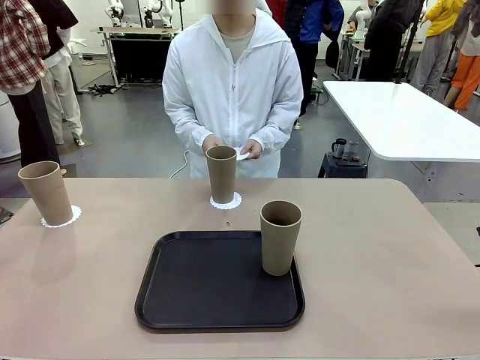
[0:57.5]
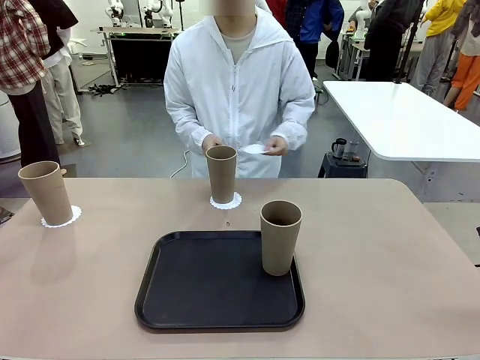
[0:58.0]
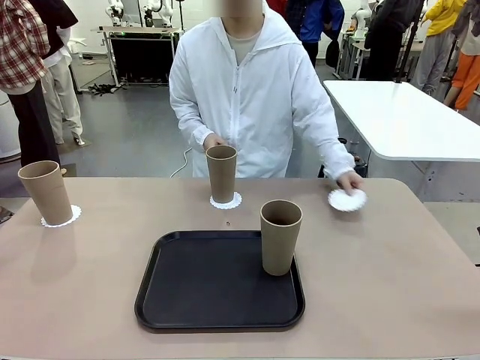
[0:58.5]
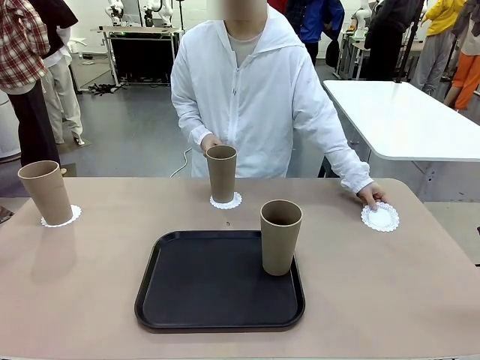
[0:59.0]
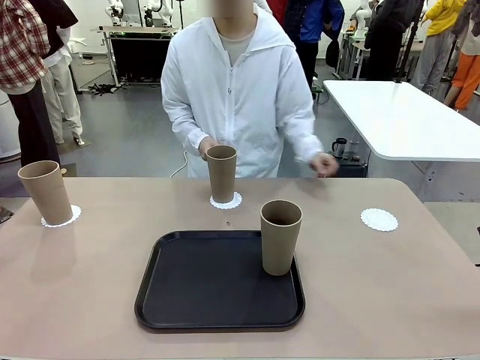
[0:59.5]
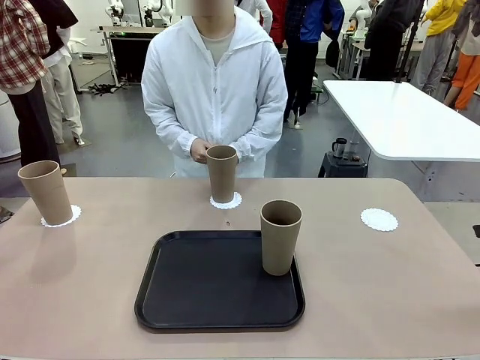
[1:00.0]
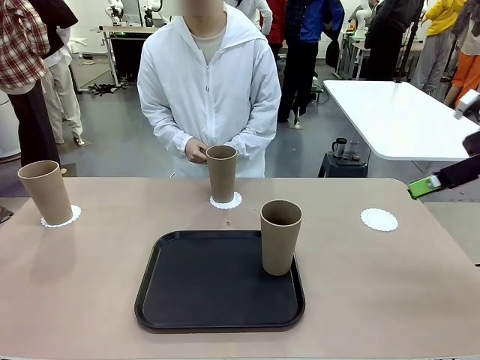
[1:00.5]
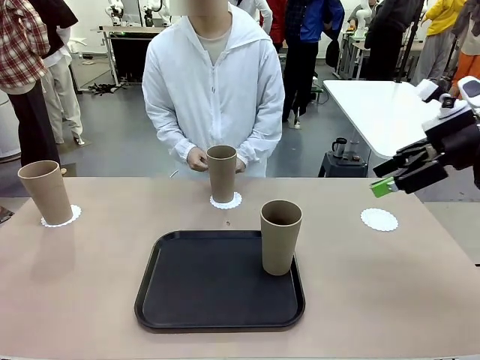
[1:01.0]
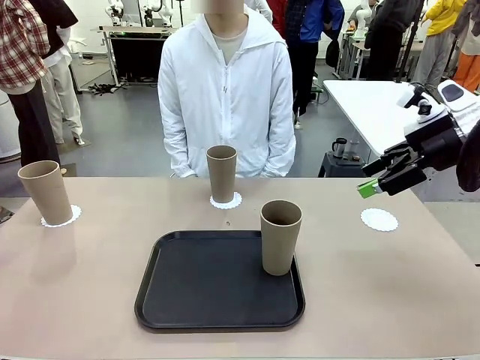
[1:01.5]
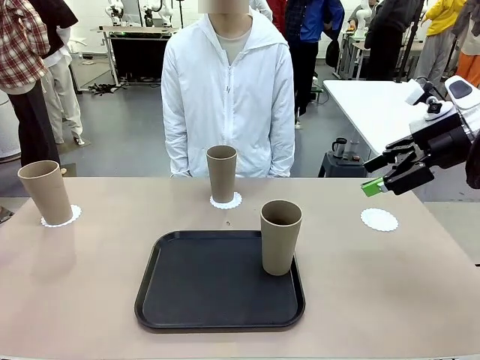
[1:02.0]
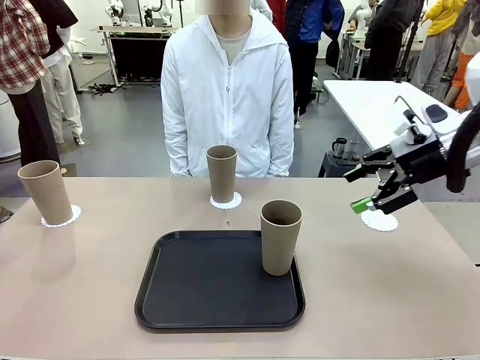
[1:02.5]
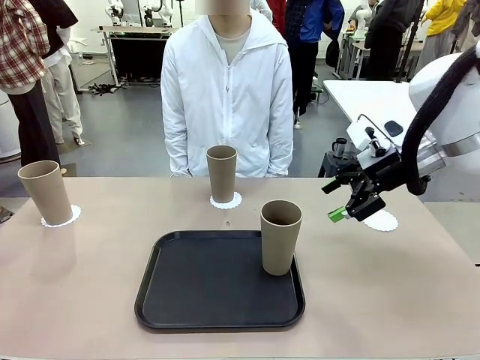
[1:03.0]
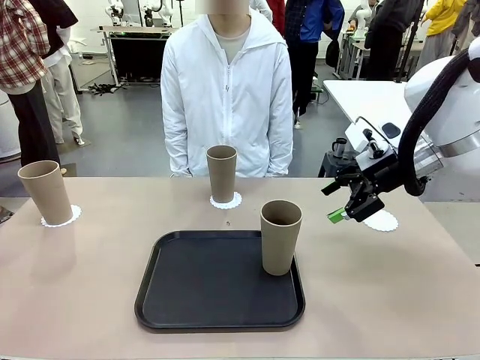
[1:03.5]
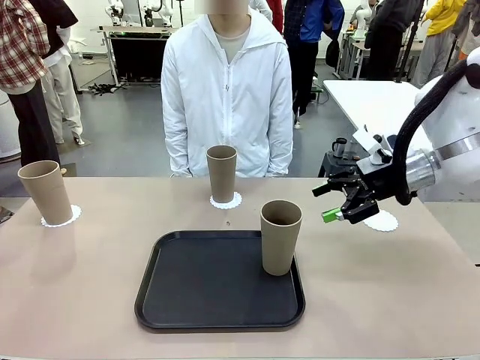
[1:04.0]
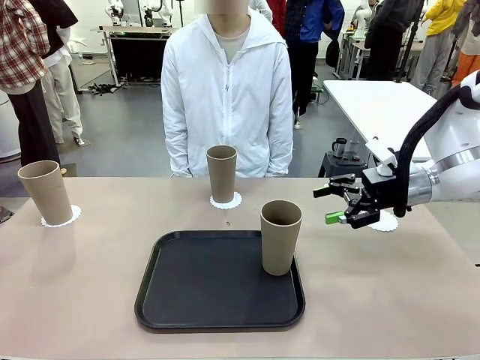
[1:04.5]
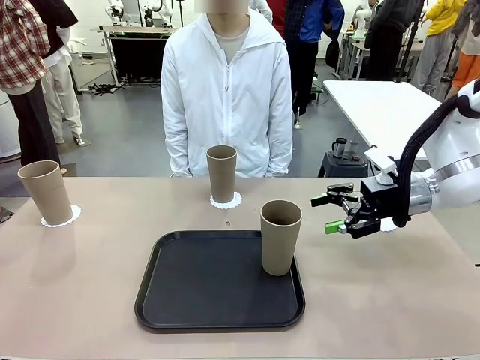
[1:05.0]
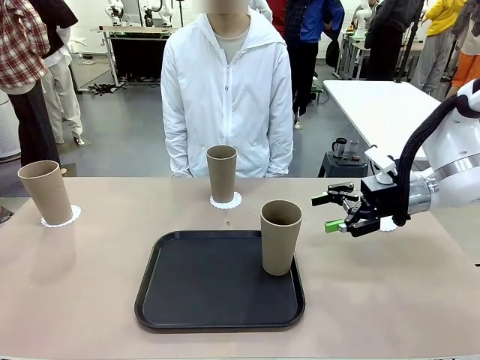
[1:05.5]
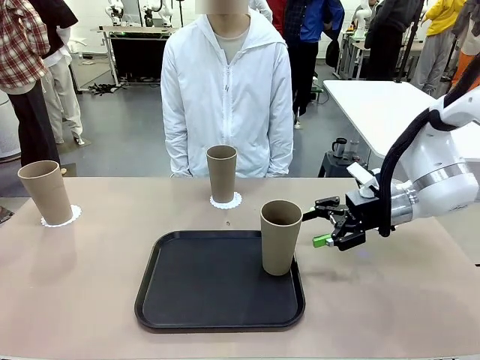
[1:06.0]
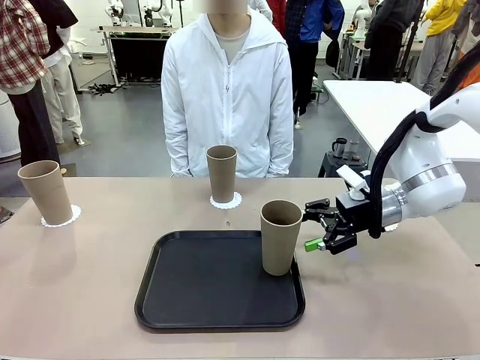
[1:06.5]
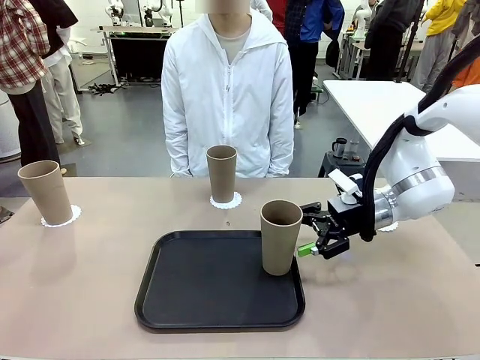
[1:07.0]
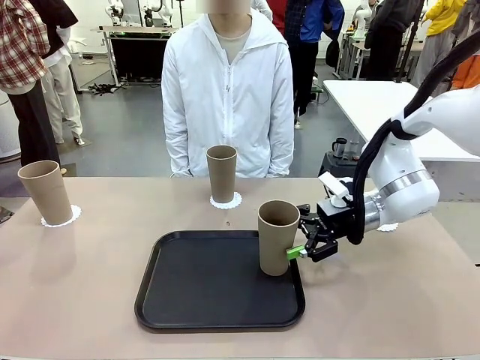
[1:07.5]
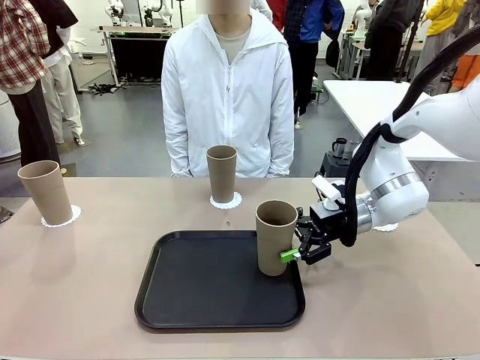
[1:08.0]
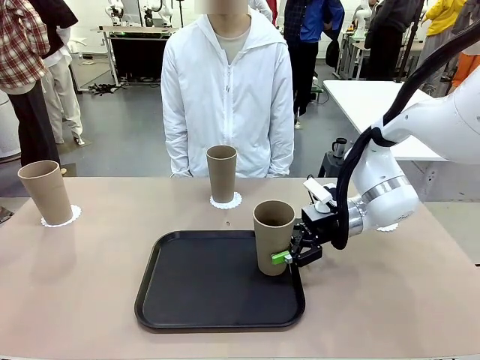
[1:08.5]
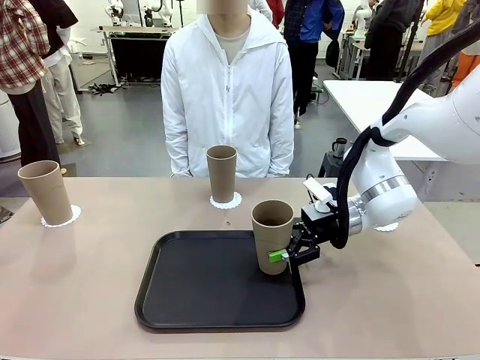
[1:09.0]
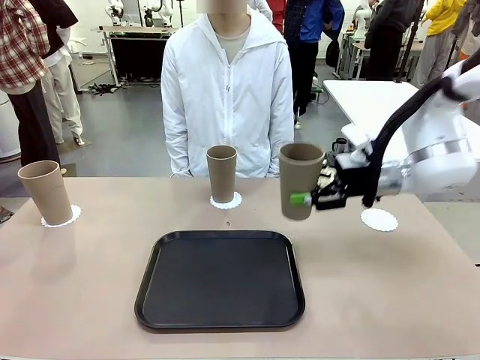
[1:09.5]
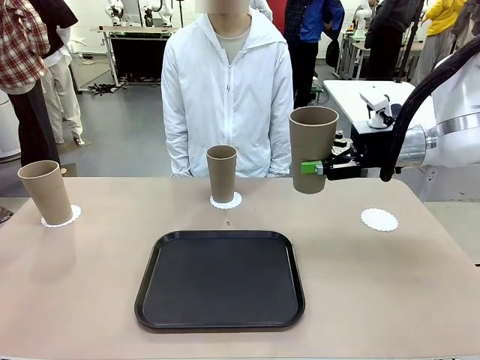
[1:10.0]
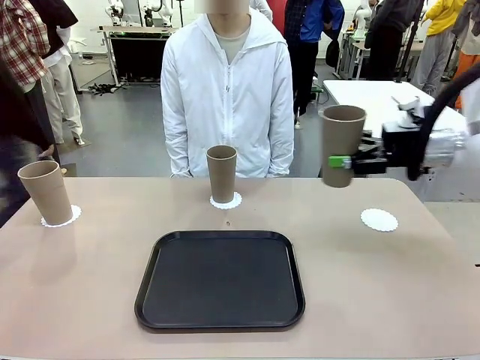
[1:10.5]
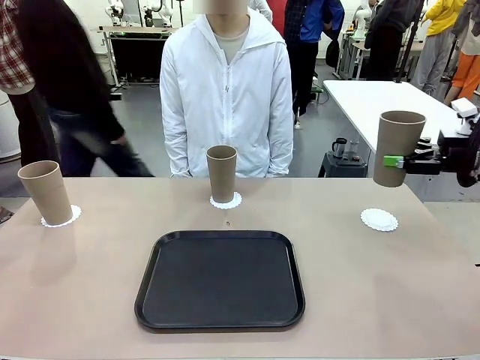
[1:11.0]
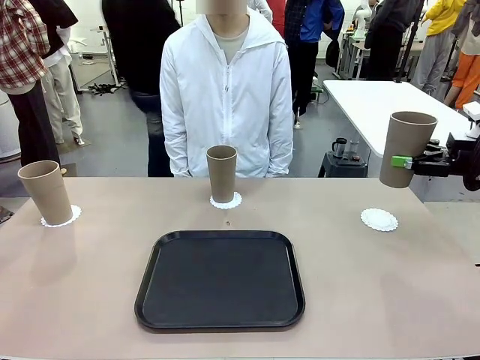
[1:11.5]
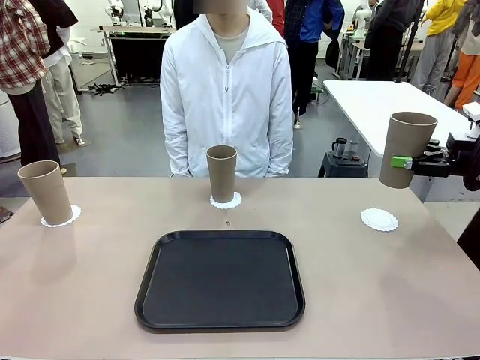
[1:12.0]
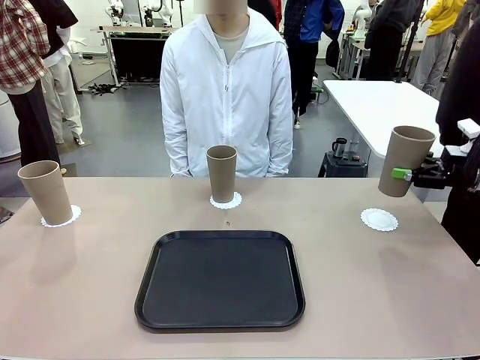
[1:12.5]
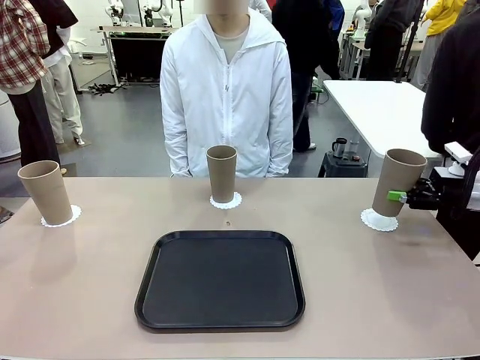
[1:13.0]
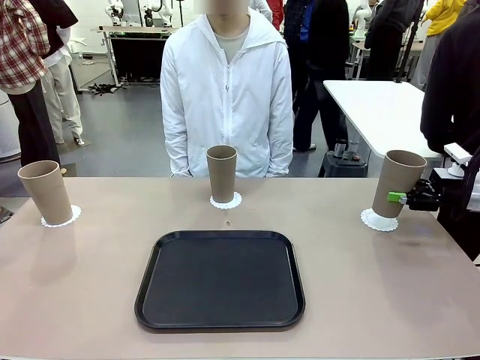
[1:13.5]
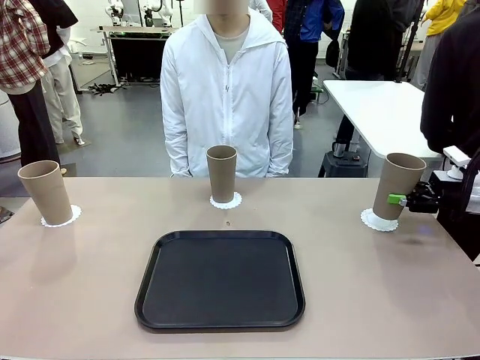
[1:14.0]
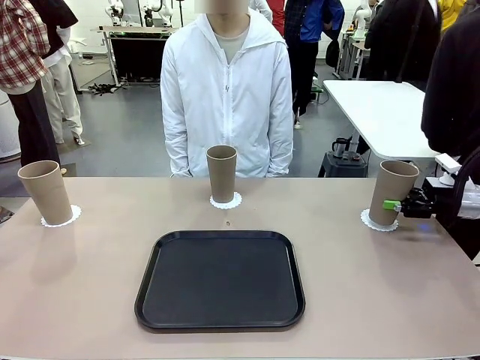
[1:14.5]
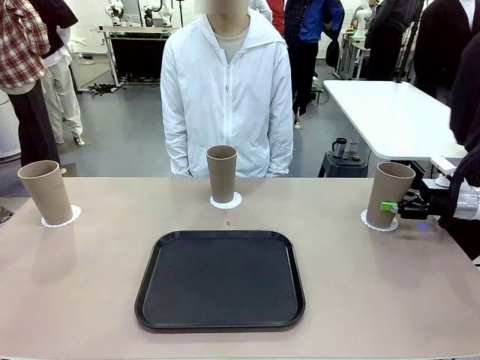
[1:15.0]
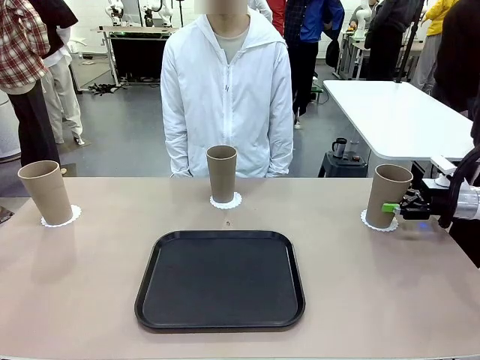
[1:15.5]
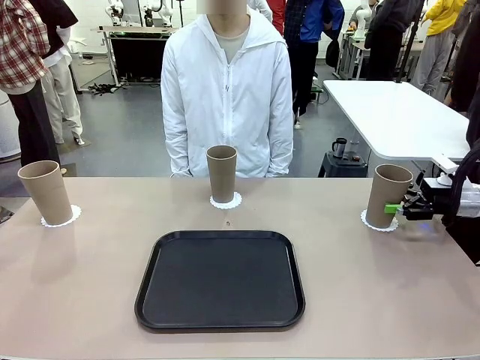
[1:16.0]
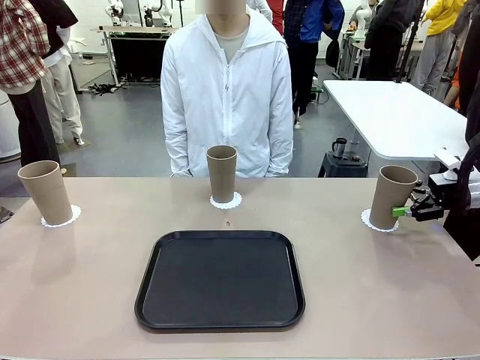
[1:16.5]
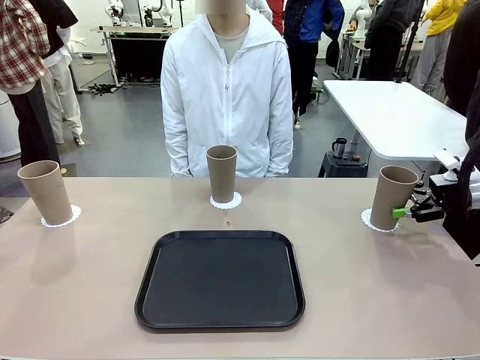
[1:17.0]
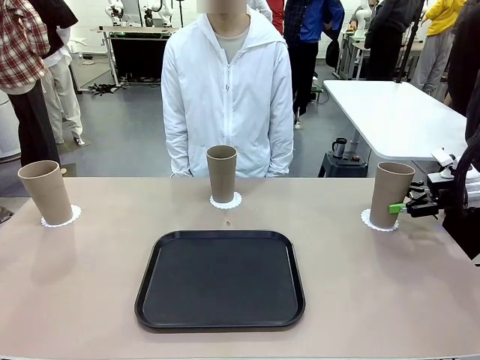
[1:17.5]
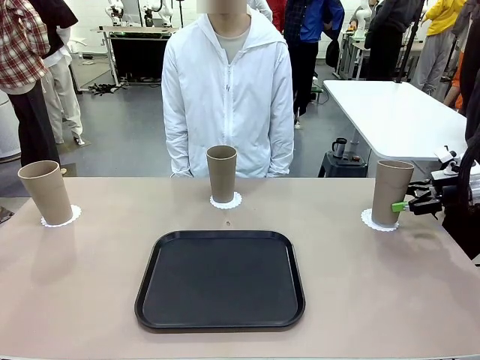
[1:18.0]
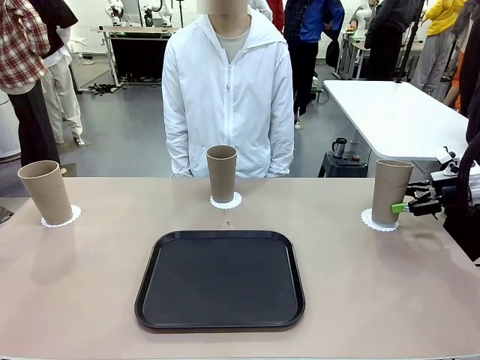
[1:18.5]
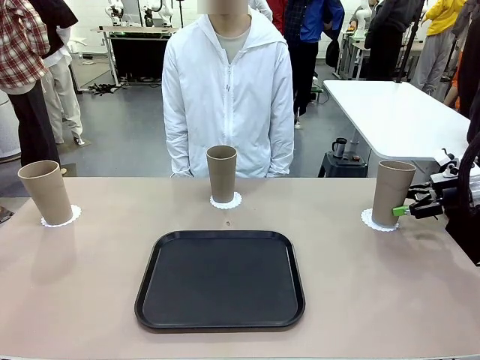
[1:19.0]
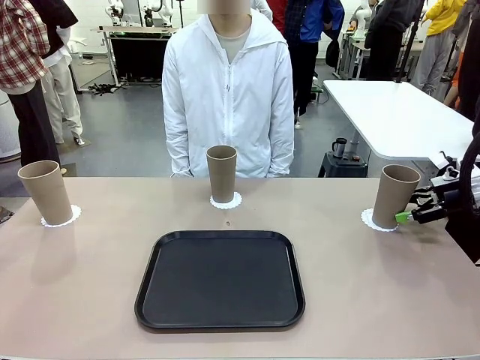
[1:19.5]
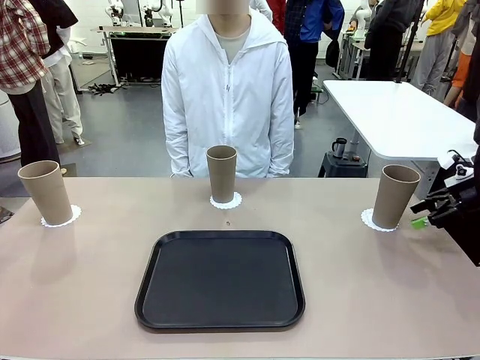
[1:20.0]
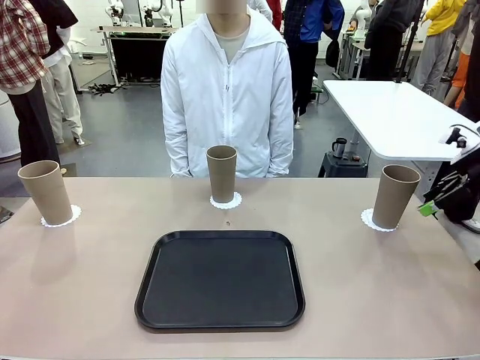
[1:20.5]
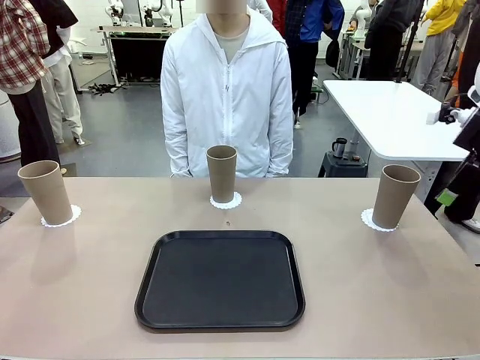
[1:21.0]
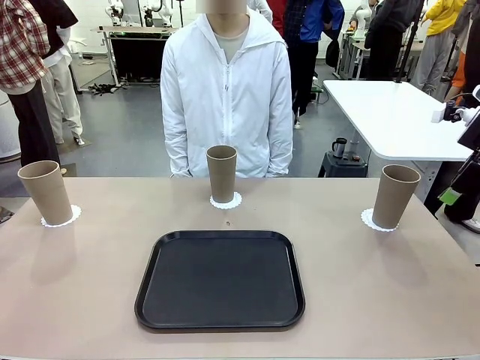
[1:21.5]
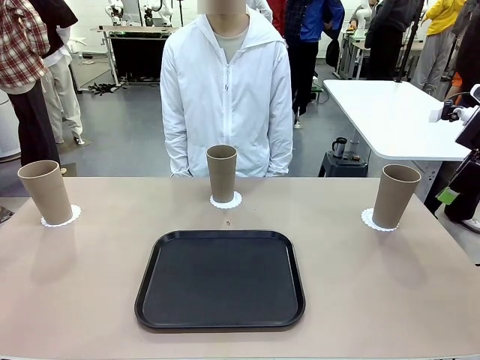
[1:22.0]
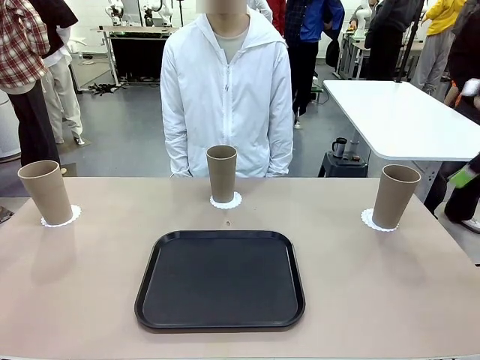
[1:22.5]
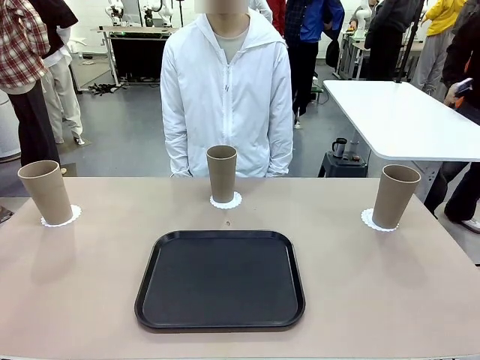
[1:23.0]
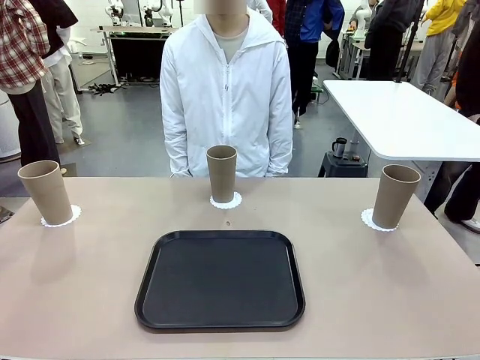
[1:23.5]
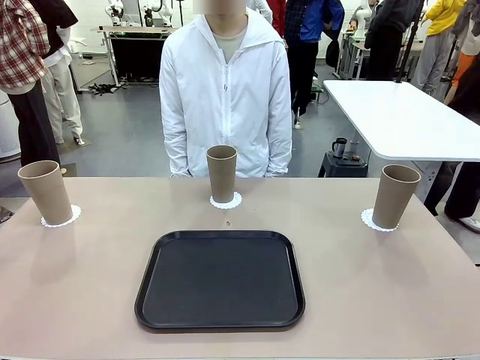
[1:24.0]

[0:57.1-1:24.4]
Task: Place coasters on the table and set cups on them.
Robot: Take one Reusable plastic cup from the Flat Tray and place it on a coaster set by the human.
Person: Place one coaster in the only remaining area.
